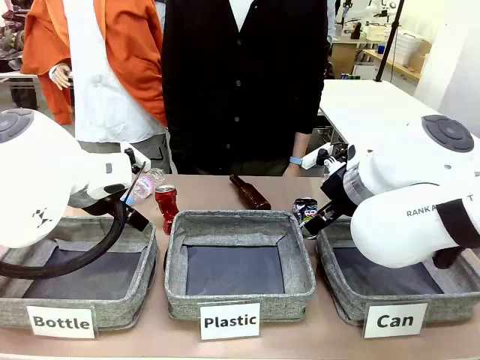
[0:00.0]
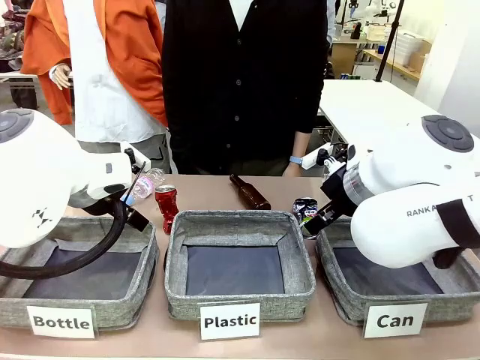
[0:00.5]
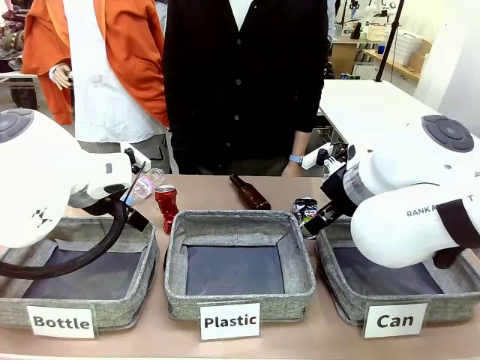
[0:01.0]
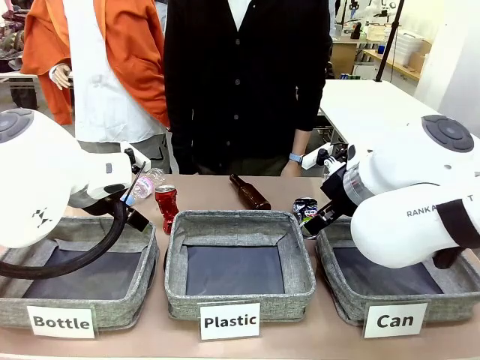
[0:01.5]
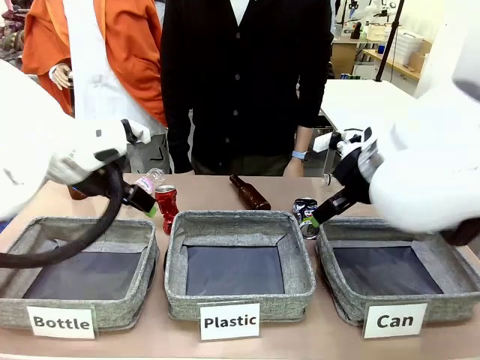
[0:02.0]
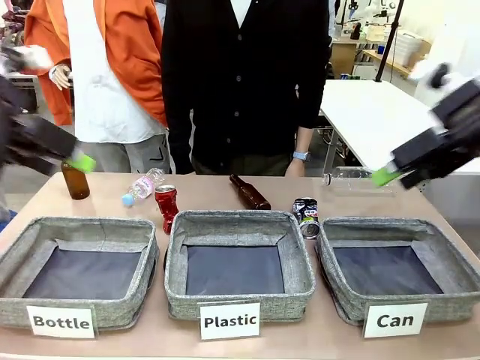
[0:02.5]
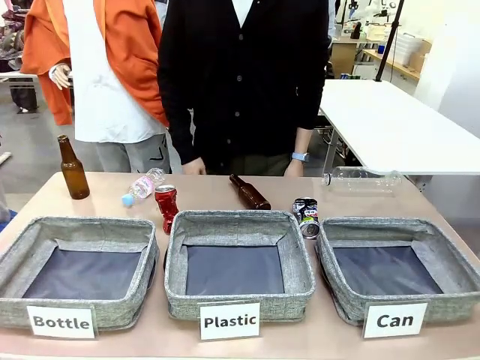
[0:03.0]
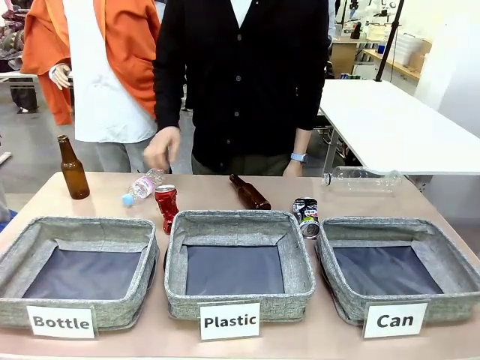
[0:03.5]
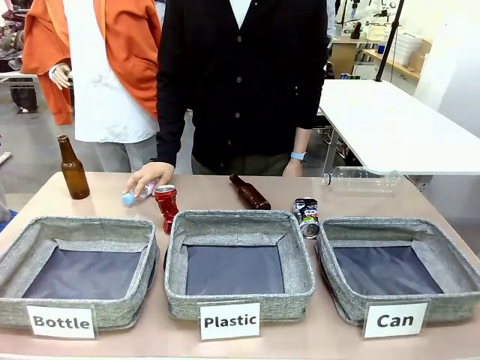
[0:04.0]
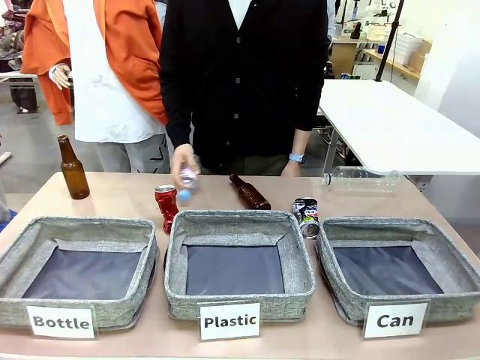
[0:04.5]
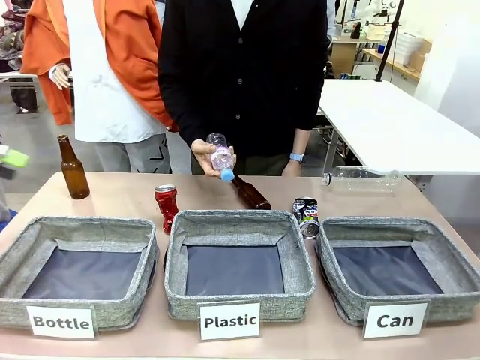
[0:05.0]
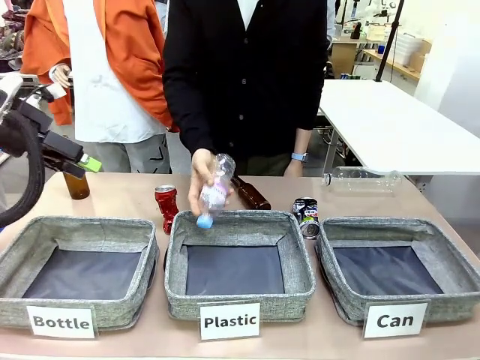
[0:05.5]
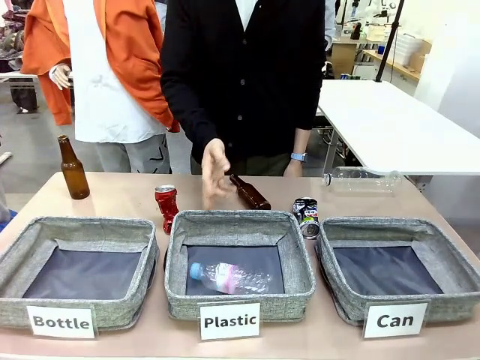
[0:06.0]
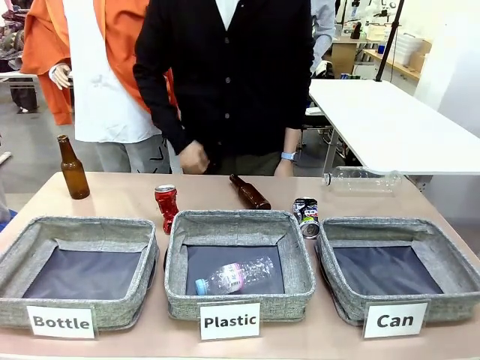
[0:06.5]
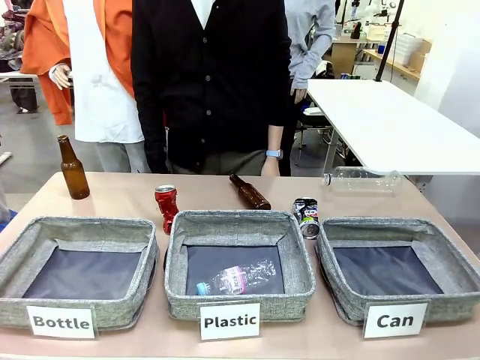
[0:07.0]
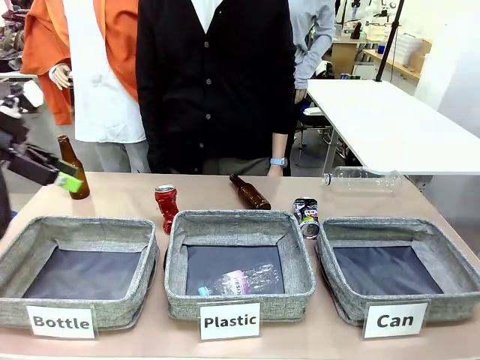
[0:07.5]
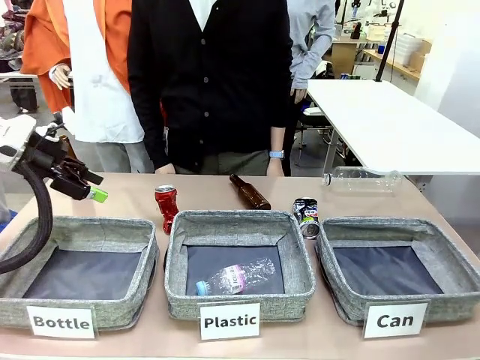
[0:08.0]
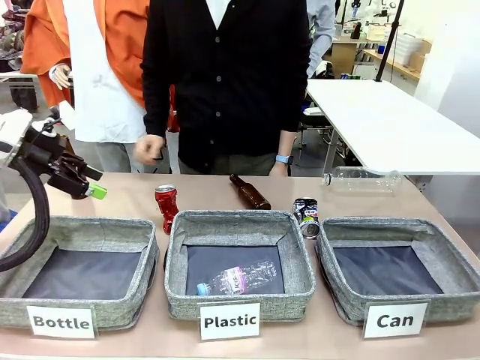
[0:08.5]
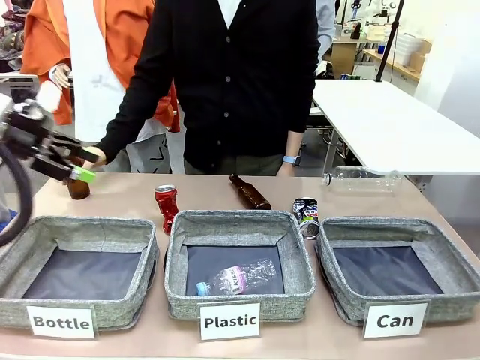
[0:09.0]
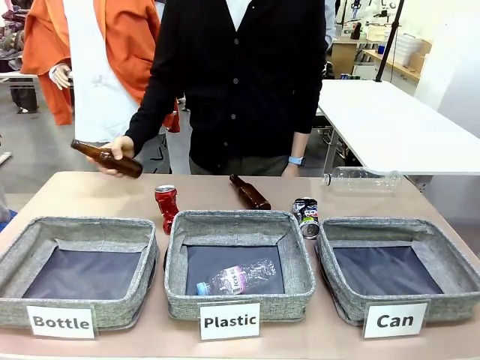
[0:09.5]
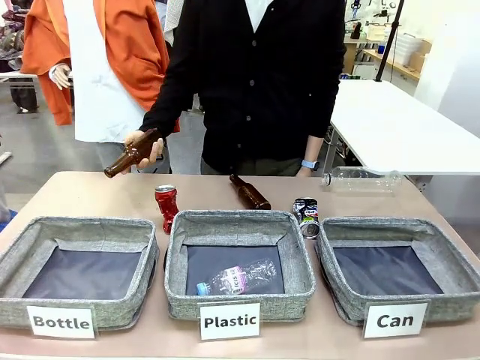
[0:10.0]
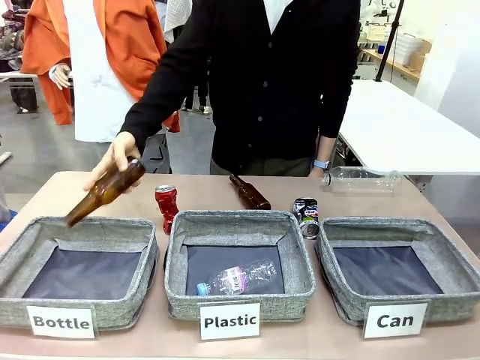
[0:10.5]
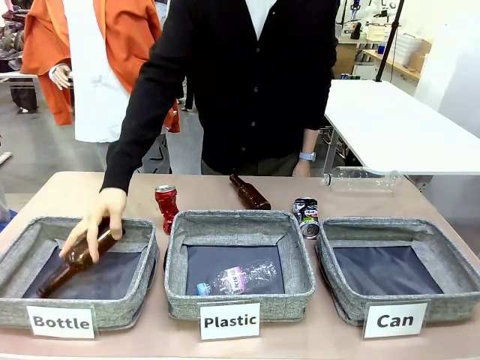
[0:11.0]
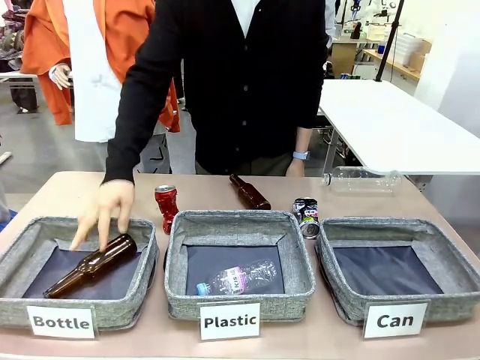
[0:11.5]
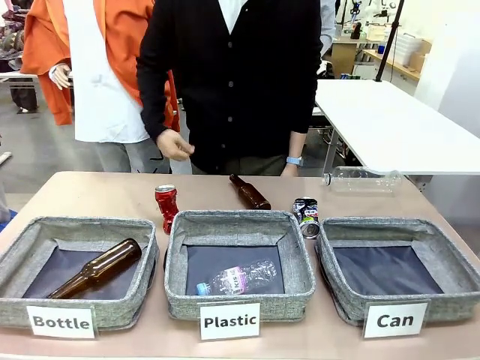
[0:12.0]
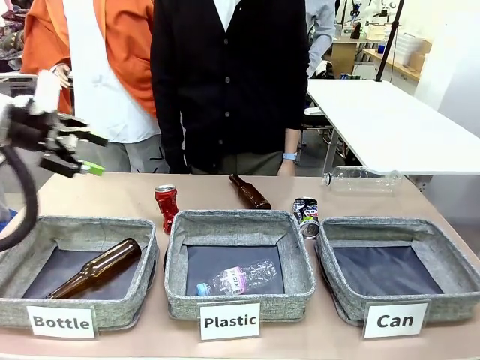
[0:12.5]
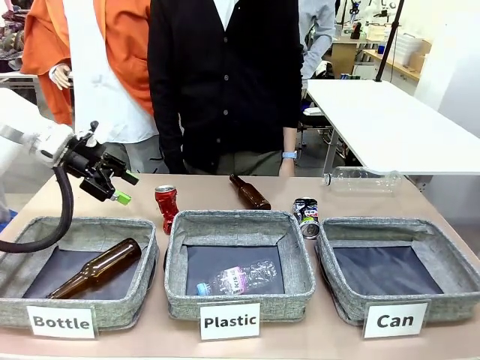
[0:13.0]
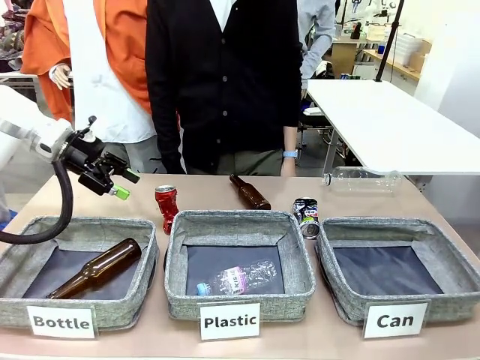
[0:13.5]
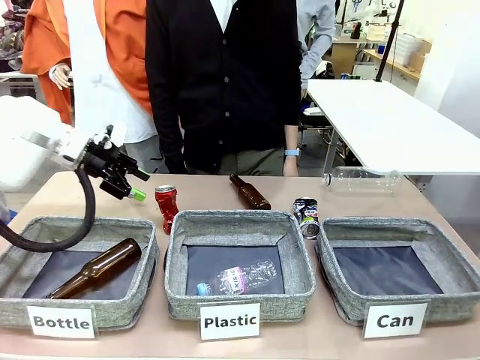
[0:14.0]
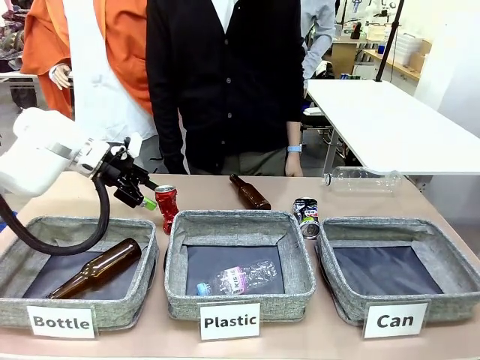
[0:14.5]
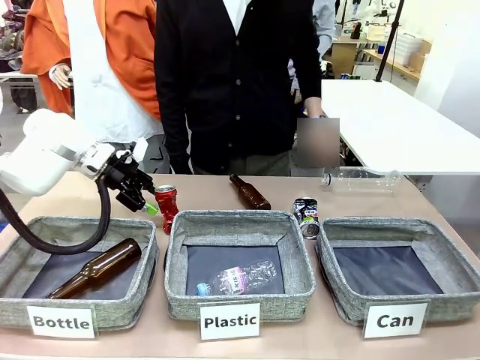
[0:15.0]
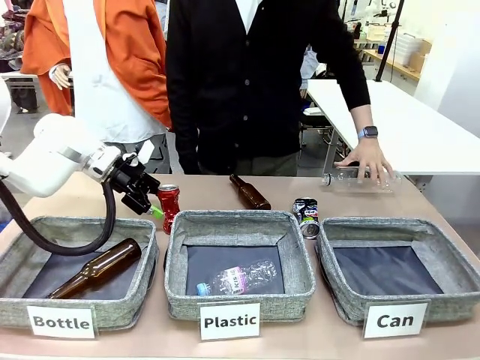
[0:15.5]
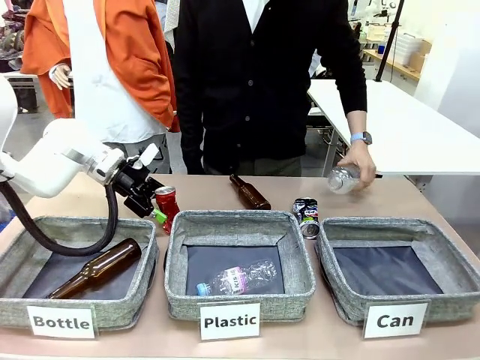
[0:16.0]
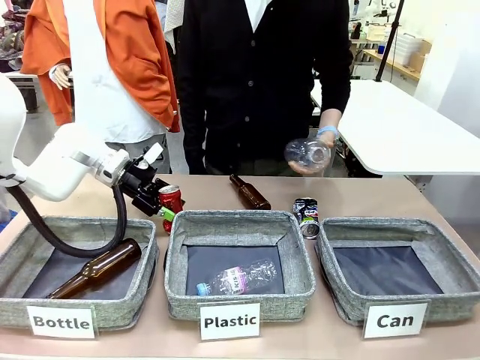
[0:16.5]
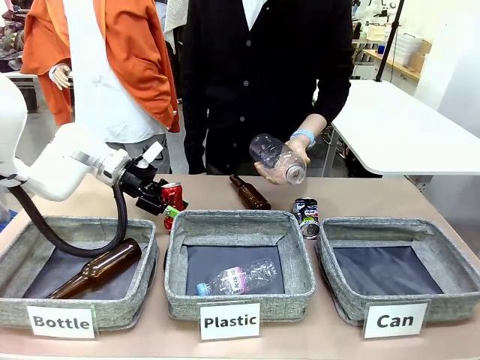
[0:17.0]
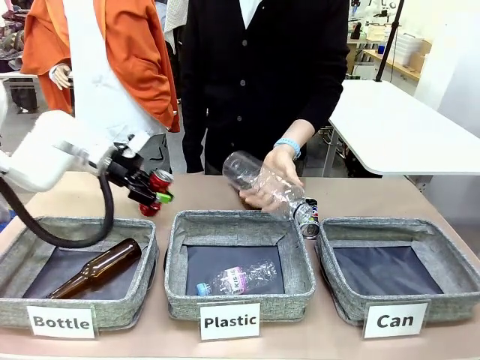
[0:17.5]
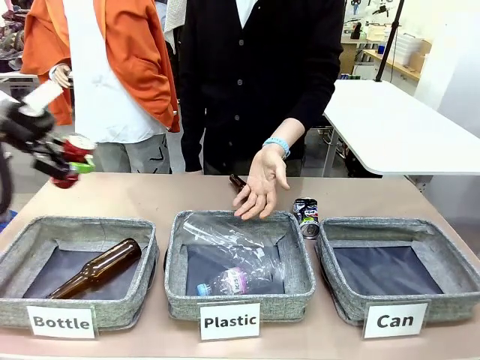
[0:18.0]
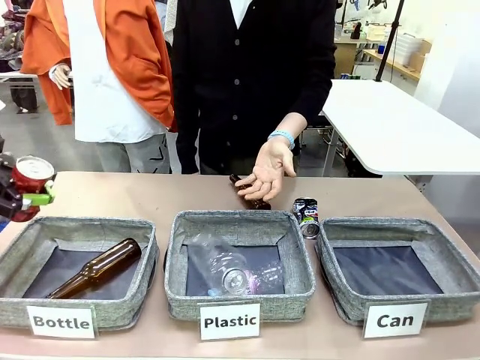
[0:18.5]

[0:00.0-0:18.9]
Task: Sort the can waste into the basket.
Robot: Pick up the can waste from the table and place it in the right Fabric basket.

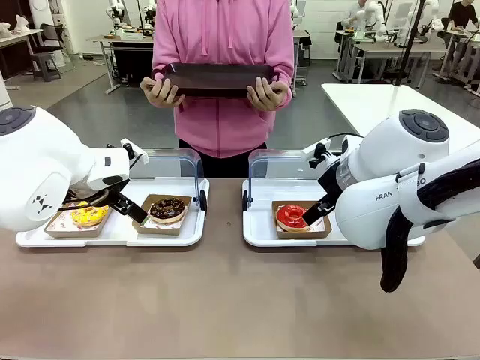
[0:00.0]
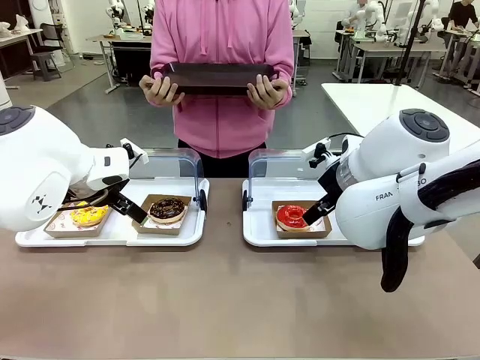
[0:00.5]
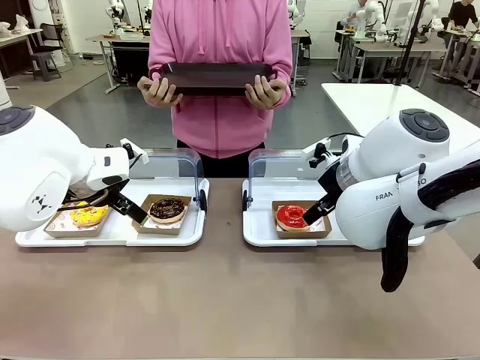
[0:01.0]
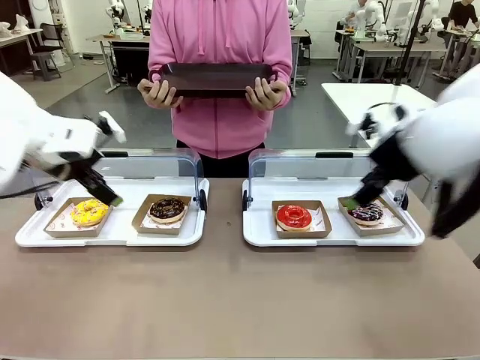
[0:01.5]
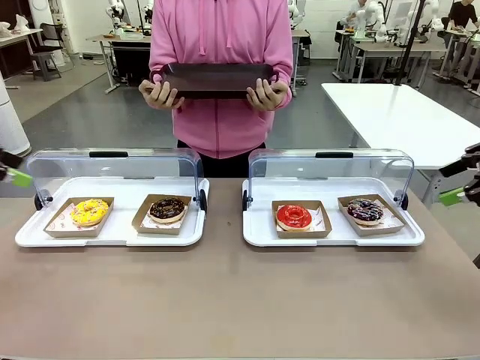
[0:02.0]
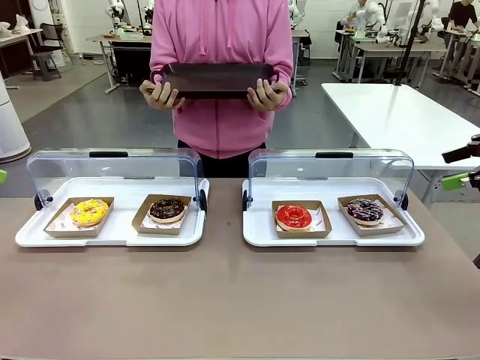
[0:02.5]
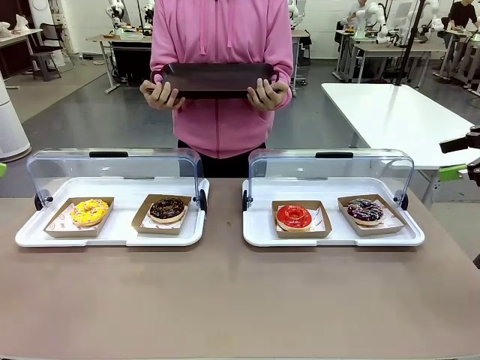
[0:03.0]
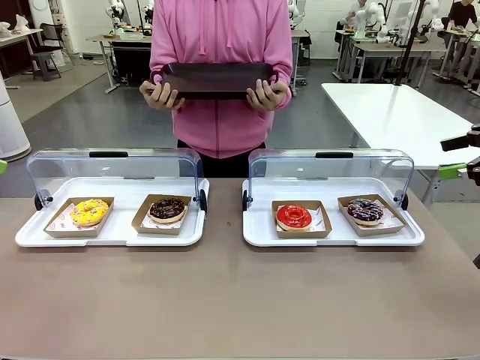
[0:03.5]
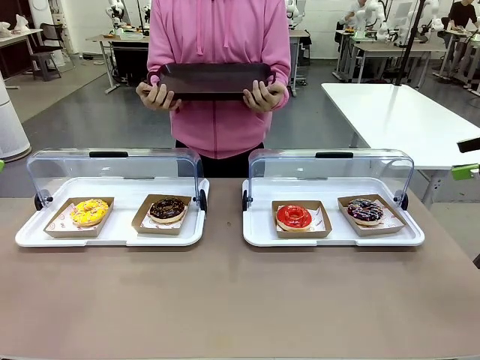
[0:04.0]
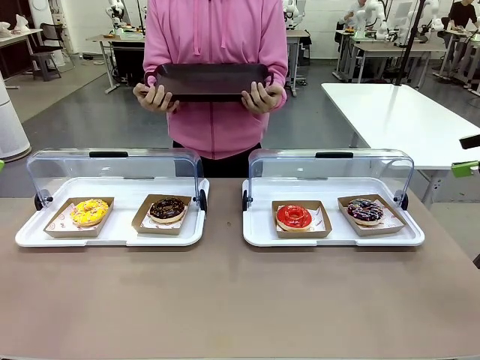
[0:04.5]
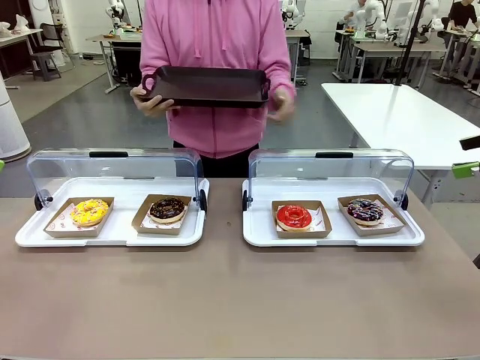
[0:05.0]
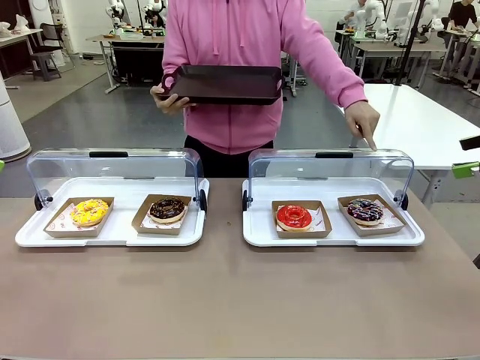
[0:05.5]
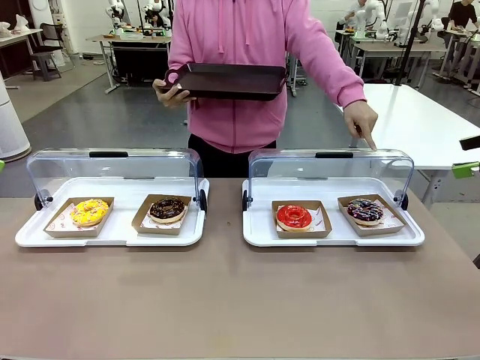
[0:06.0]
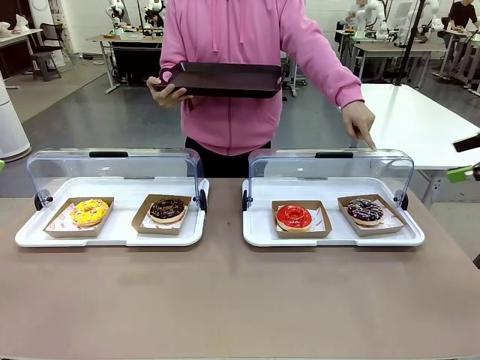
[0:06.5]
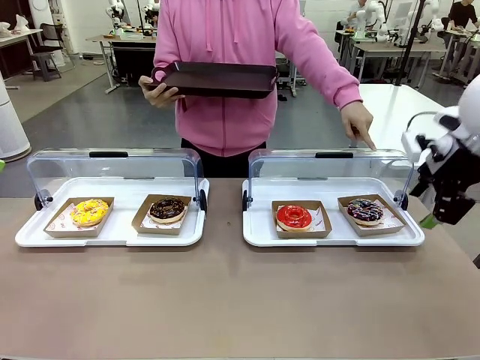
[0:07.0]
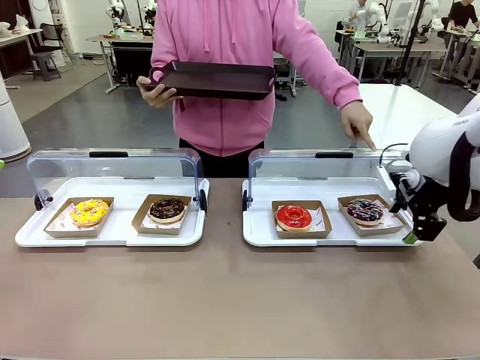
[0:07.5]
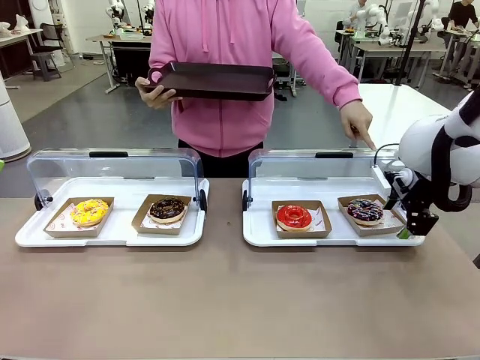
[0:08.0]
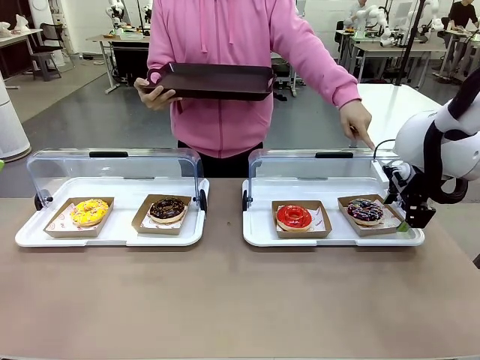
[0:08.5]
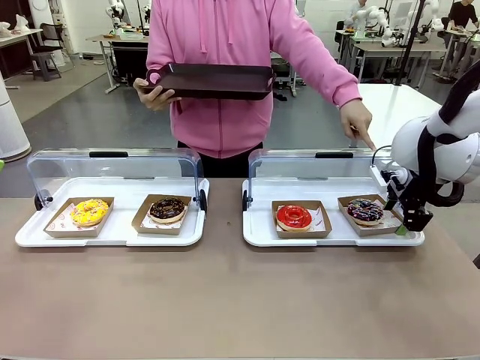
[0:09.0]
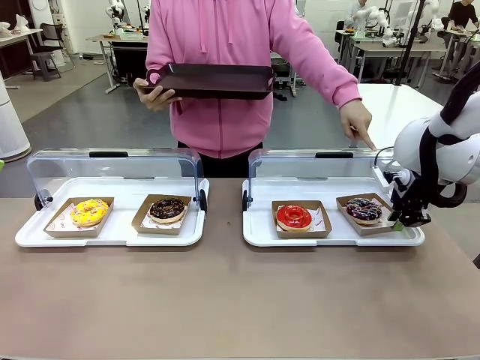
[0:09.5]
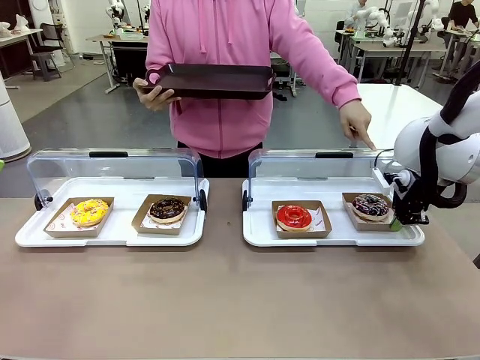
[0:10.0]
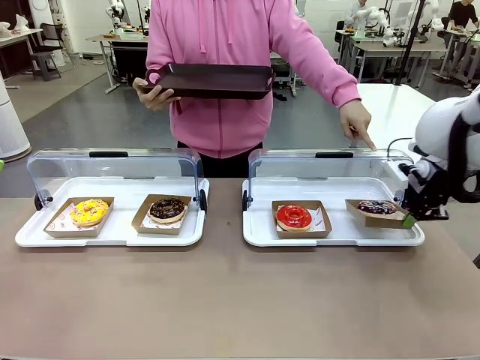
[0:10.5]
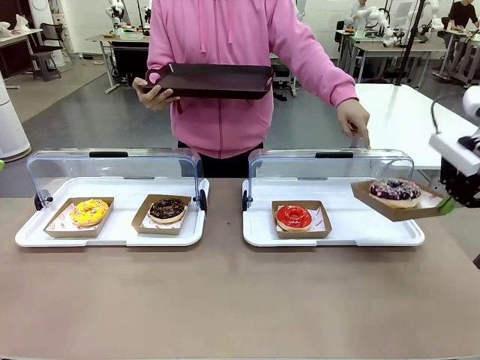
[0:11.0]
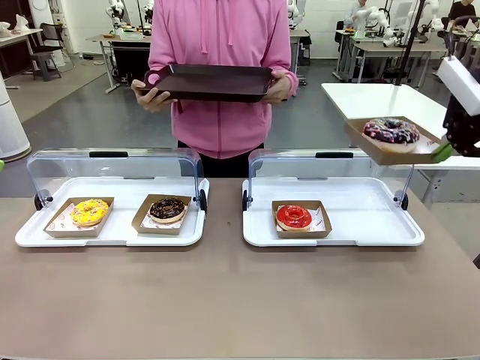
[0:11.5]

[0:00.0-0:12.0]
Task: Provide the desired donut to the person.
Robot: Pick up and lift the Paper togo box containing the Donut pointed at by the person.
Person: Point to one donut. Lift the tray onto the Roll-Top Bakery Case.
